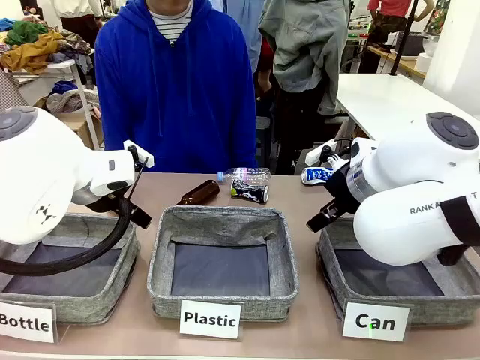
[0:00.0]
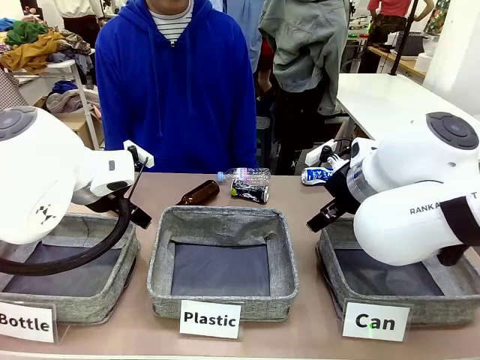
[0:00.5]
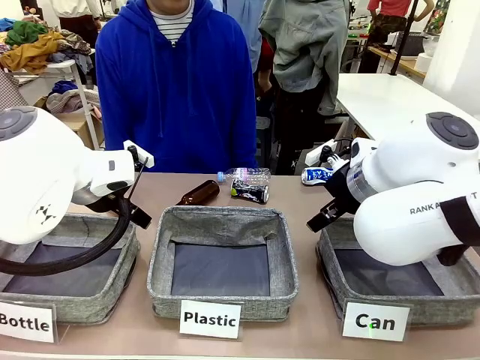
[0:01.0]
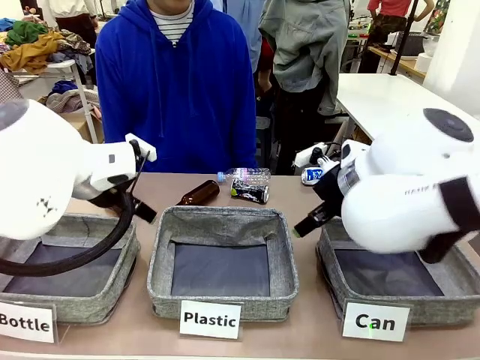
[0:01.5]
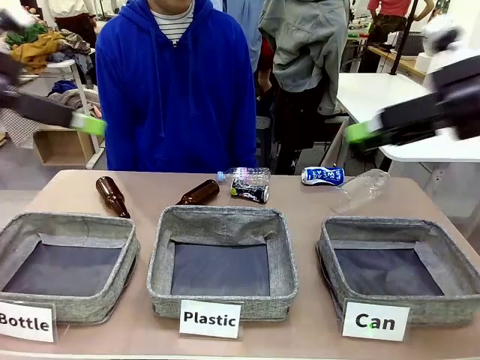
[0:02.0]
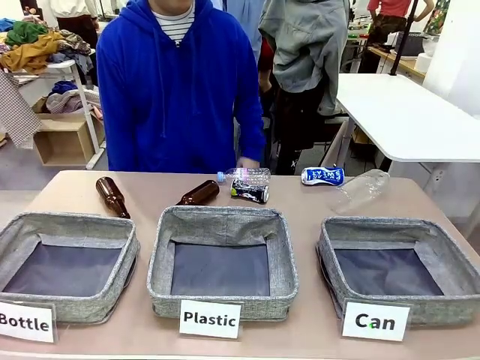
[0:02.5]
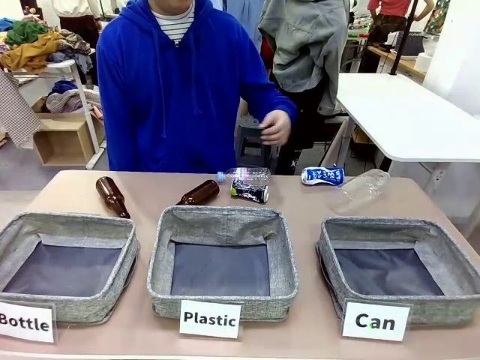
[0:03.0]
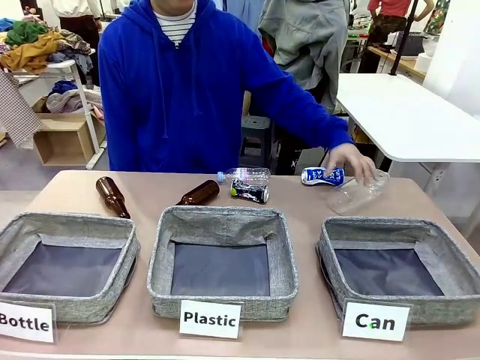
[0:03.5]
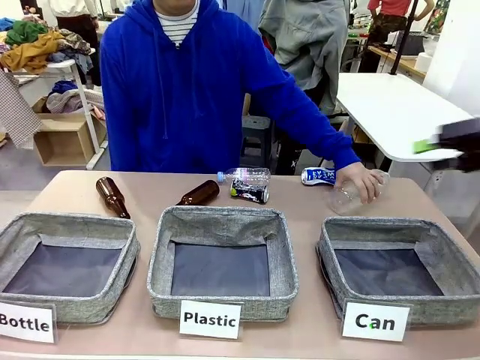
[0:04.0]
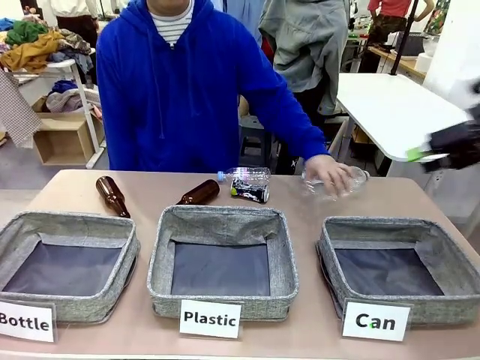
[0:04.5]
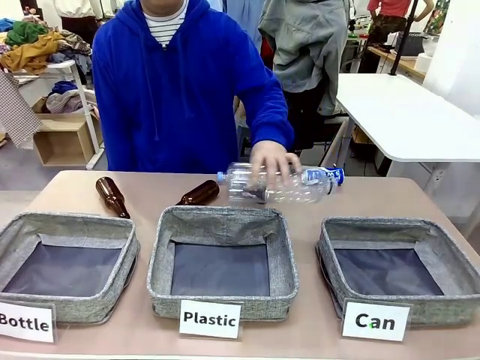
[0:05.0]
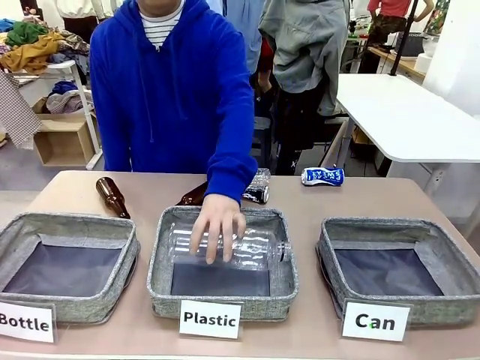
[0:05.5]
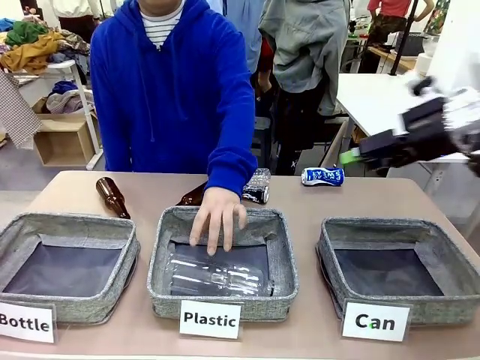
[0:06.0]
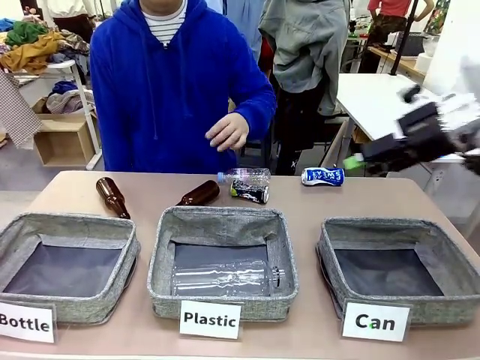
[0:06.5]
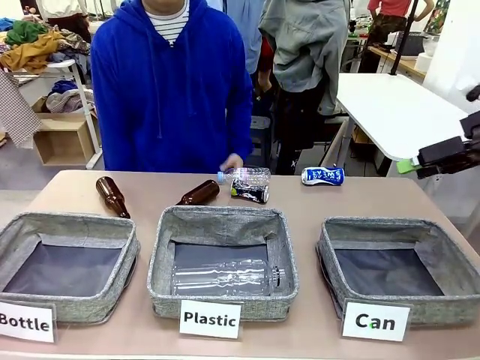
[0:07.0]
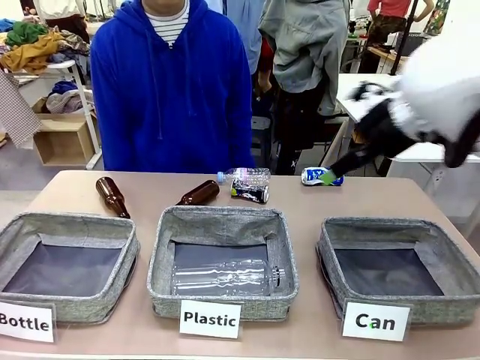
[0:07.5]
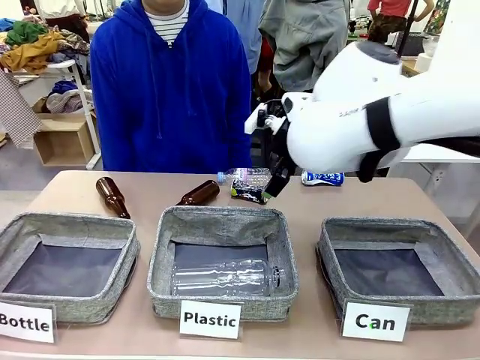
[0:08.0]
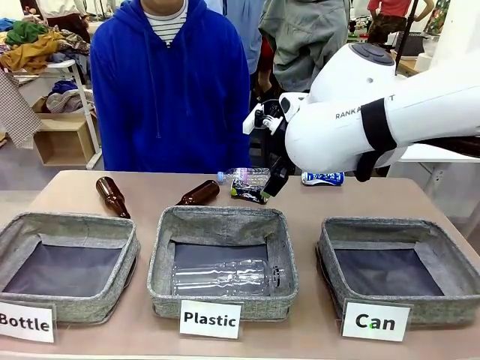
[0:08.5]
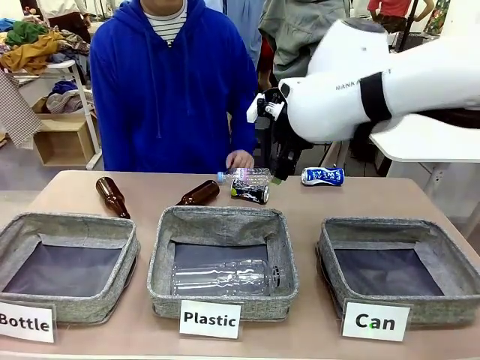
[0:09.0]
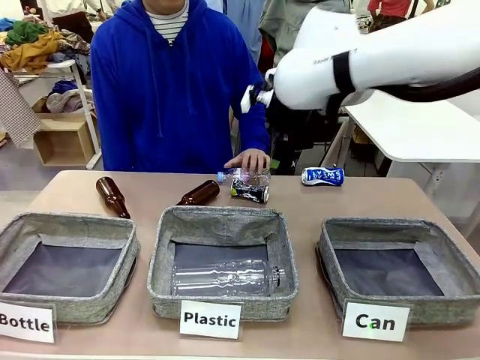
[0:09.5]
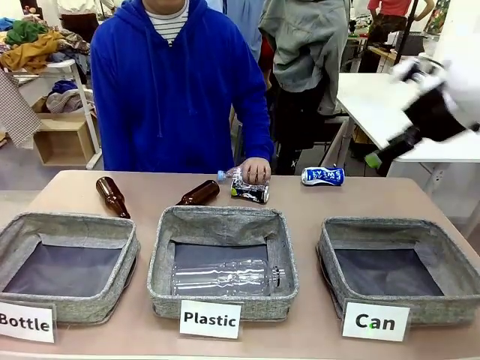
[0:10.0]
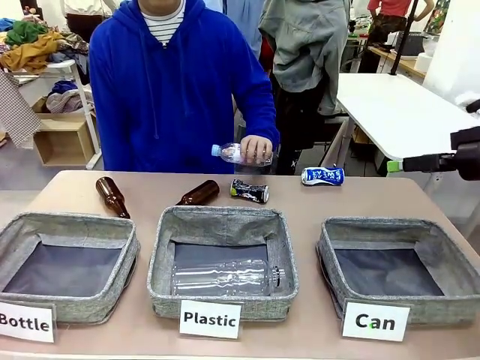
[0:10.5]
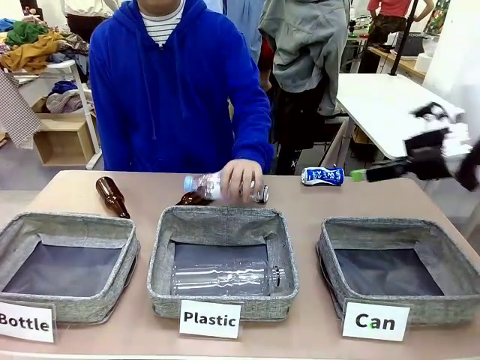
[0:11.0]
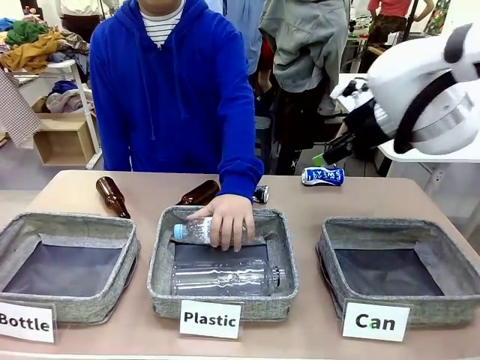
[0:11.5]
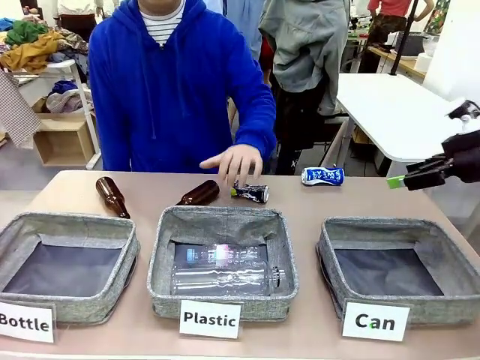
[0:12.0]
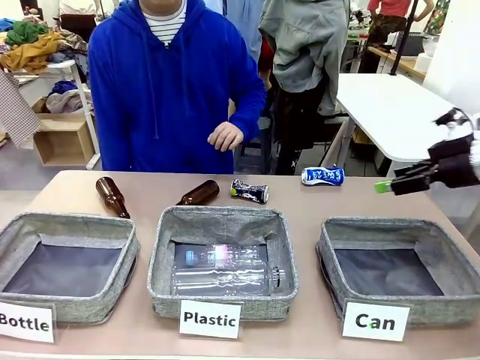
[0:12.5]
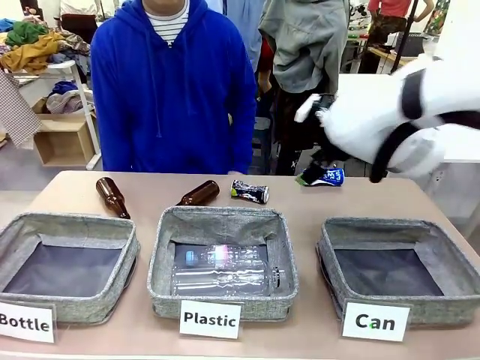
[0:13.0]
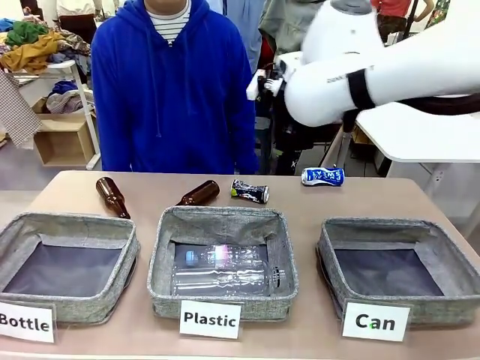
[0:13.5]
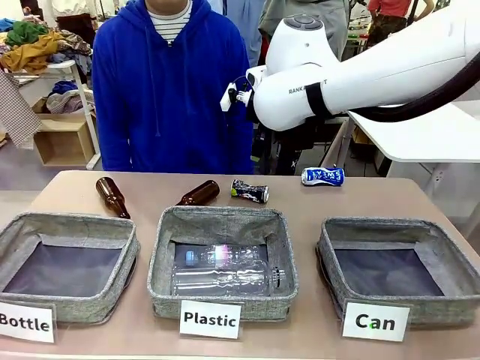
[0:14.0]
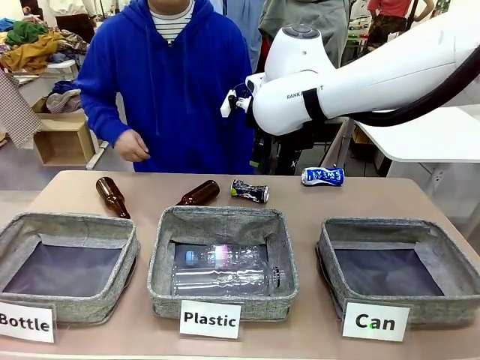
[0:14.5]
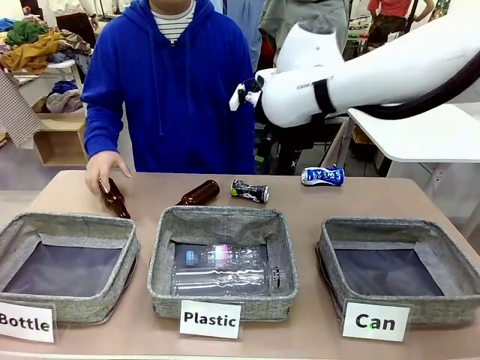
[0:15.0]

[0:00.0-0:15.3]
Task: Sort the can waste into the basket.
Robot: Pick up the can waste from the table and place it in the right Fabric basket.

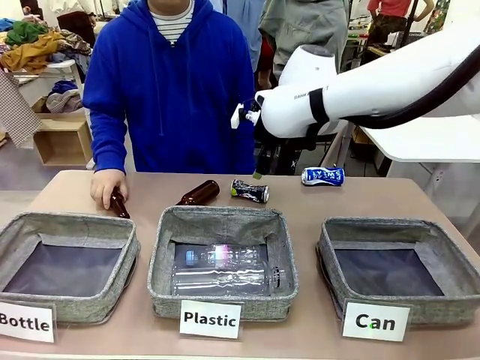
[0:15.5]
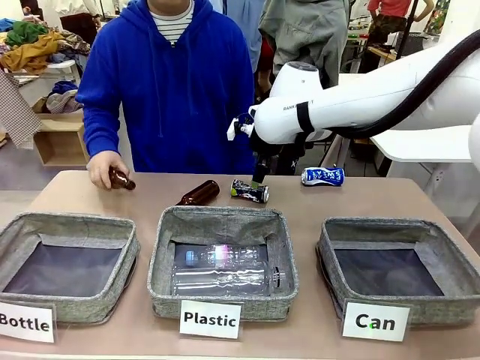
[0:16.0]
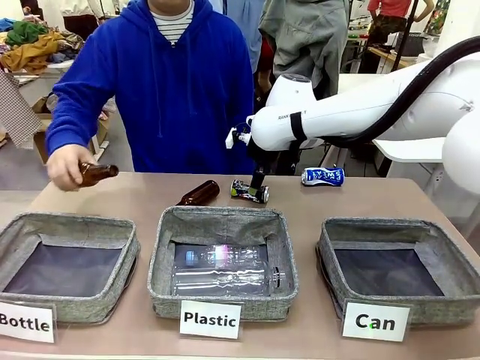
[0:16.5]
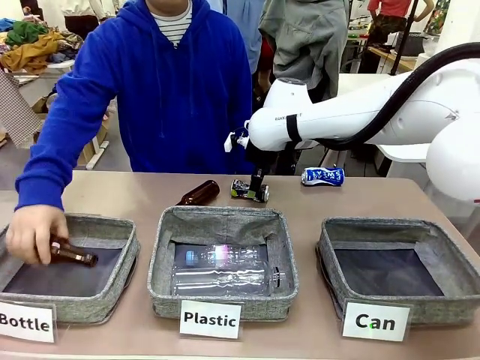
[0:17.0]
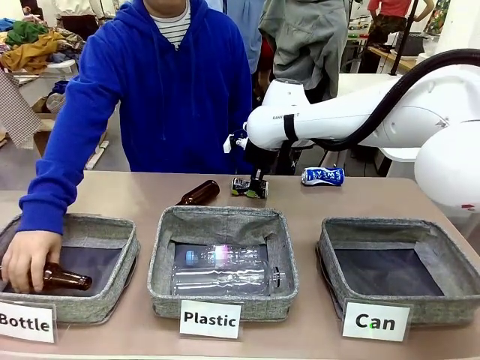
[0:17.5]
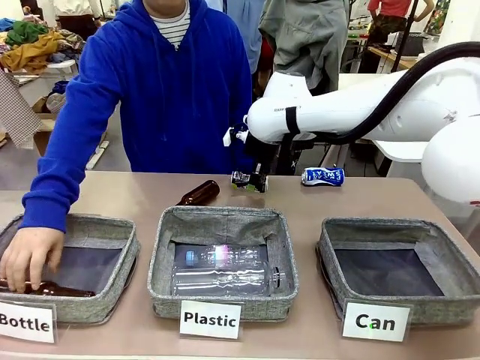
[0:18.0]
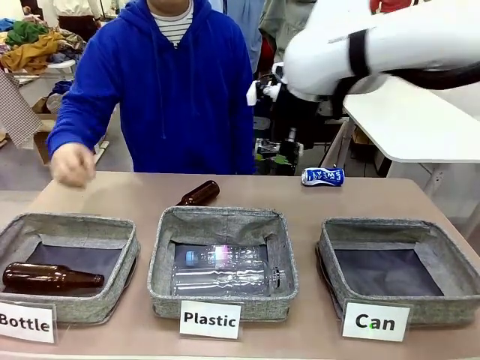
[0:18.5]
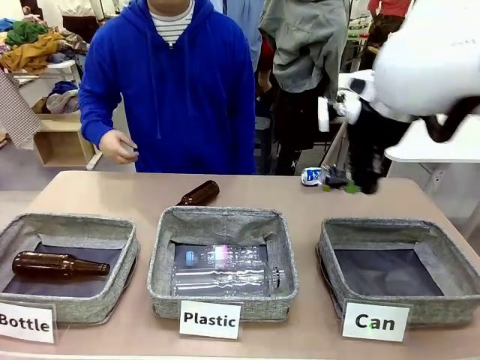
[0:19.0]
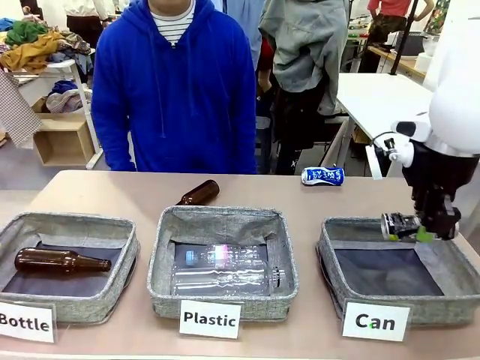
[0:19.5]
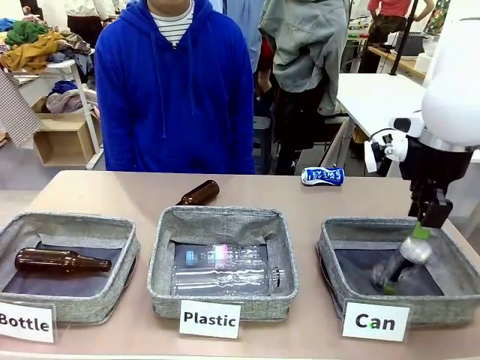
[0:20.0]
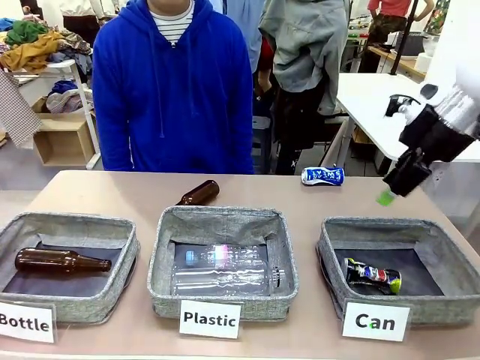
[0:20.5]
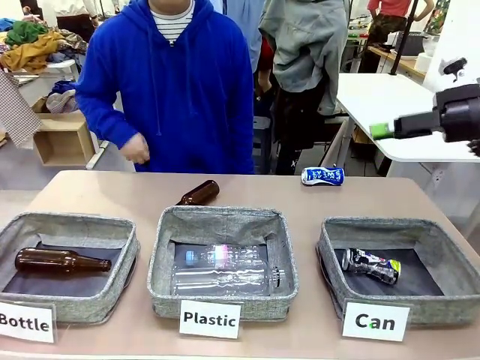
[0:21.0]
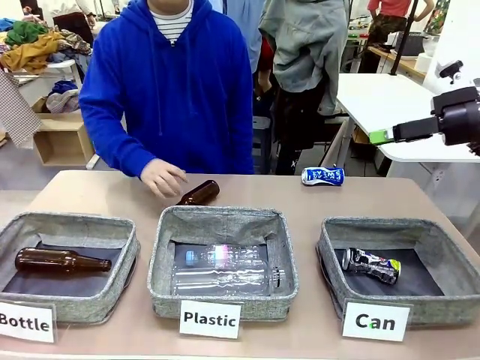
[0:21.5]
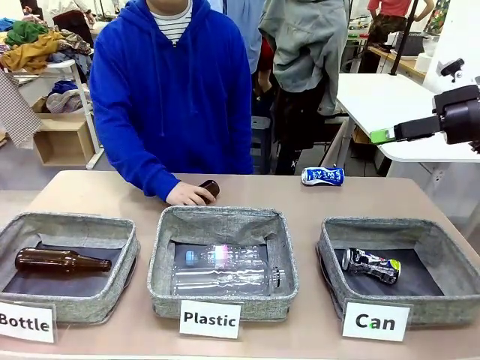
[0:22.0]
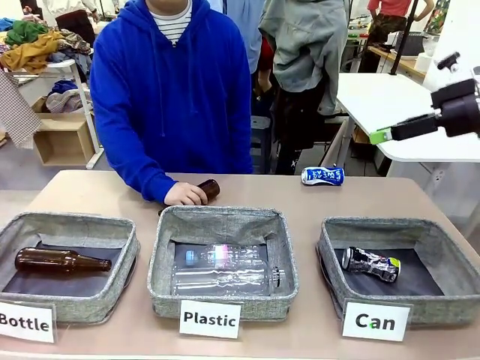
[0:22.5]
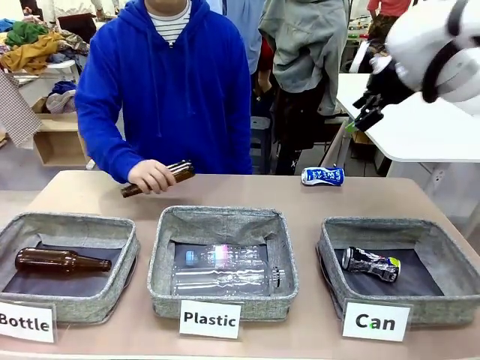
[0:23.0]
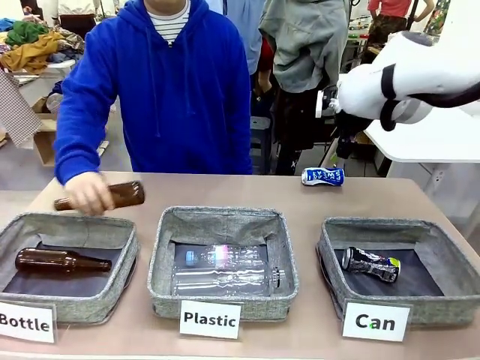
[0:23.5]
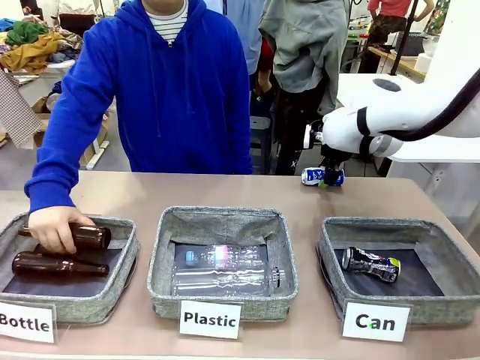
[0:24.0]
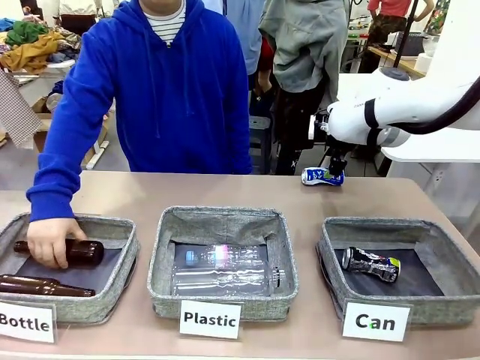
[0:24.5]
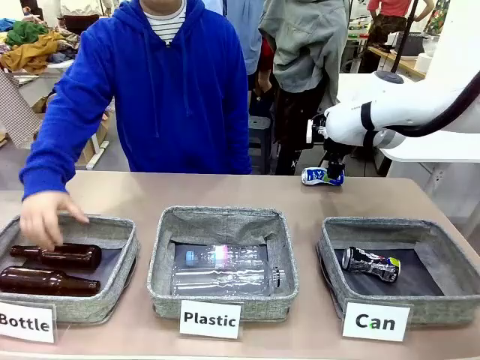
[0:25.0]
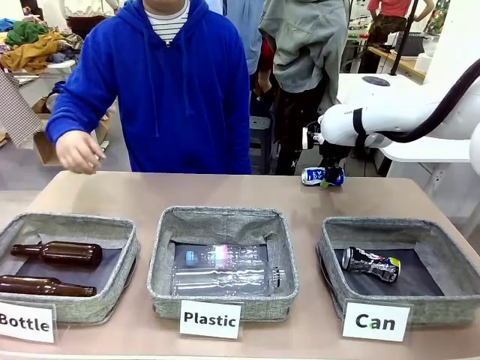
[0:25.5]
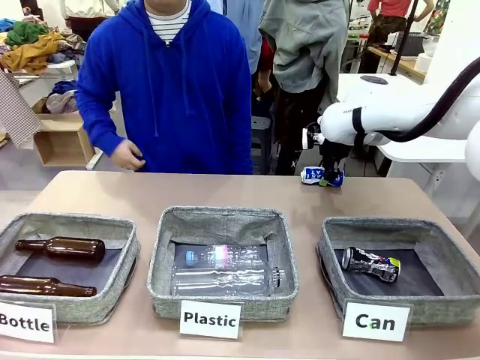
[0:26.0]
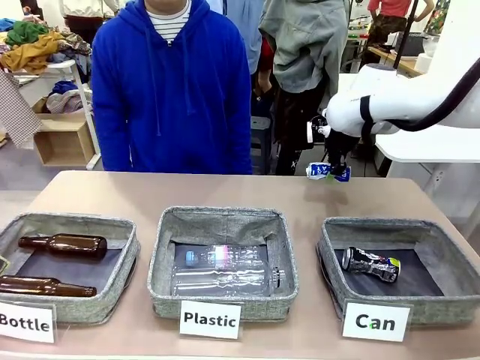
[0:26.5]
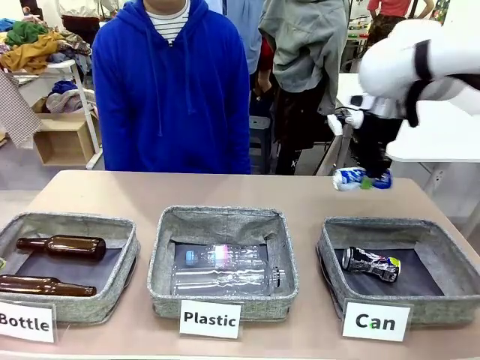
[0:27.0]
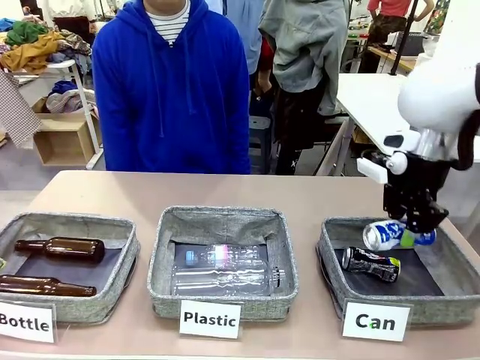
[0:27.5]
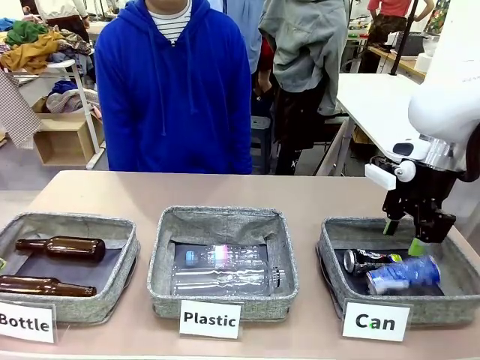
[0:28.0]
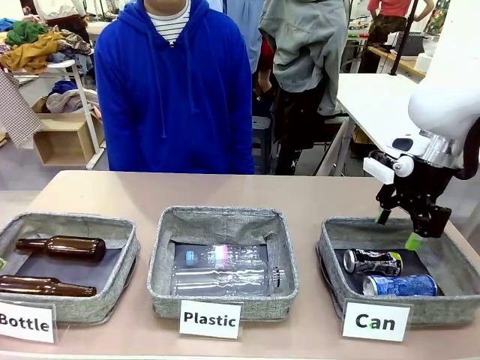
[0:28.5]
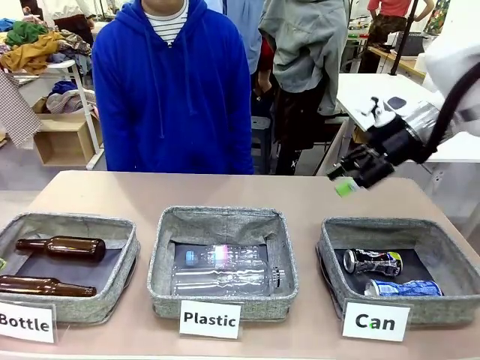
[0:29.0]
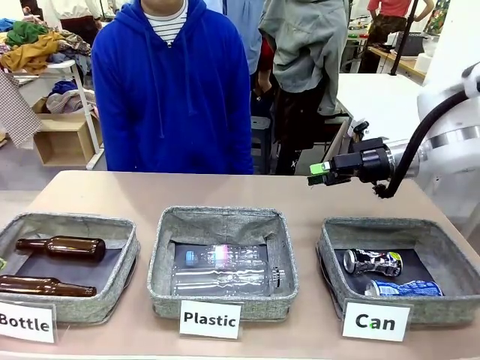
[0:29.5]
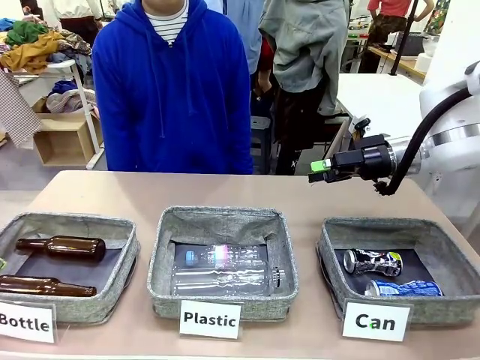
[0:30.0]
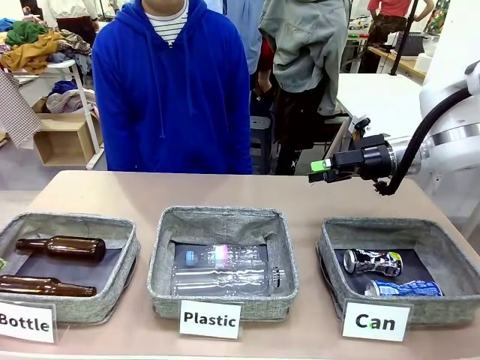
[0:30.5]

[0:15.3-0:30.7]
Robot: Pick up the can waste from the table and place it in the right Fabric basket.
Person: The human picks up one piece of trash that is not a can and places the trash into the appropriate organizing basket.
